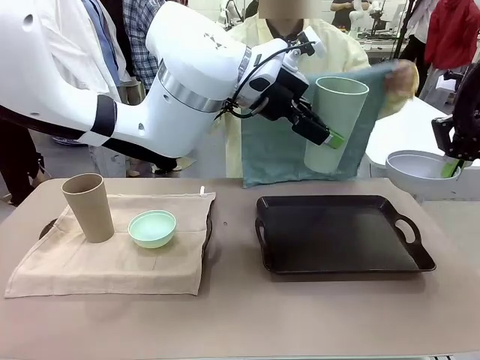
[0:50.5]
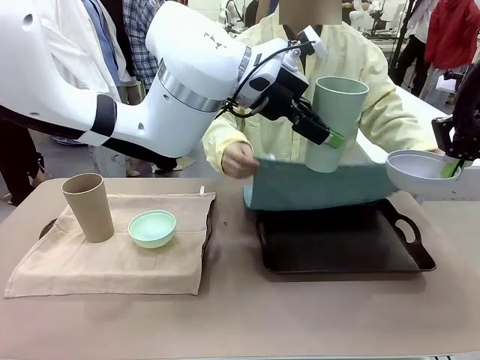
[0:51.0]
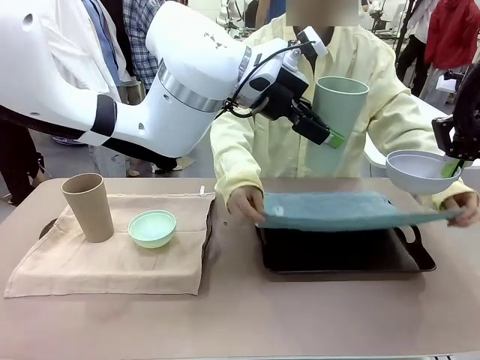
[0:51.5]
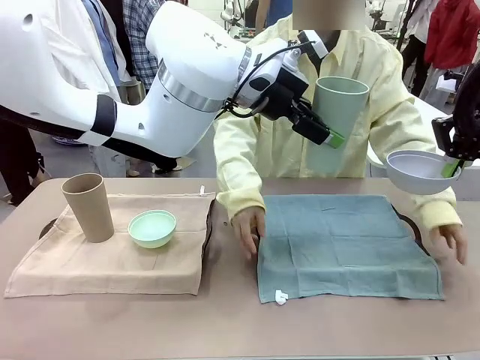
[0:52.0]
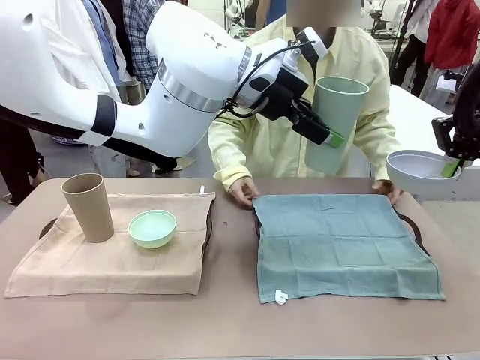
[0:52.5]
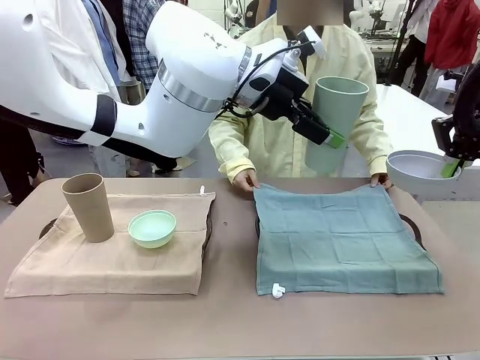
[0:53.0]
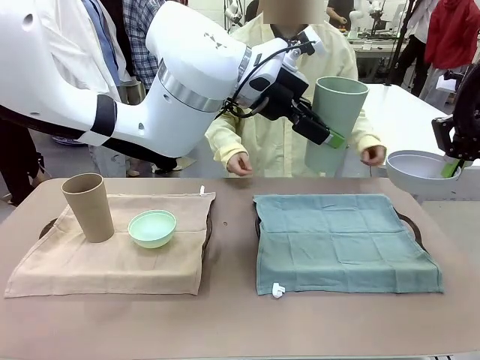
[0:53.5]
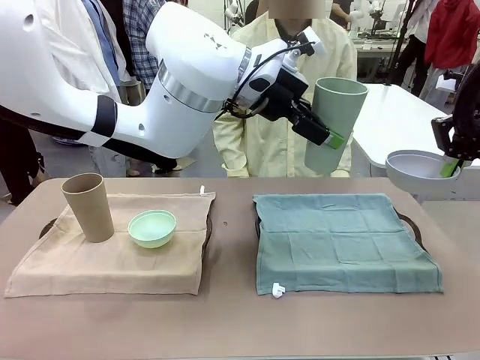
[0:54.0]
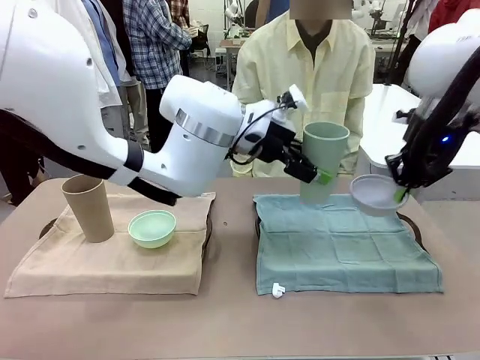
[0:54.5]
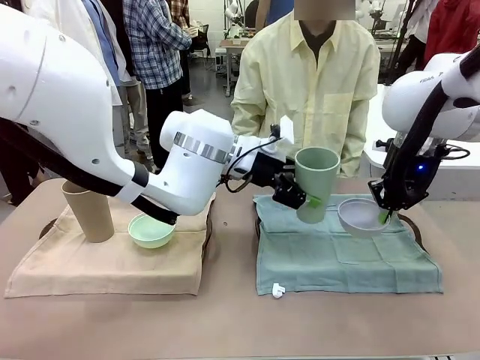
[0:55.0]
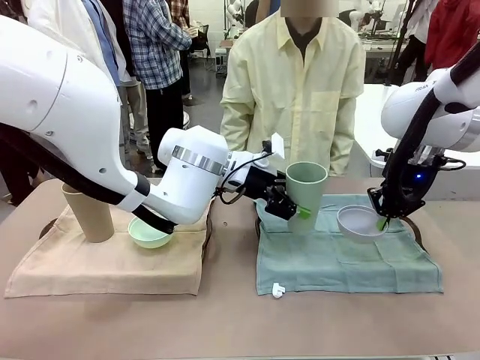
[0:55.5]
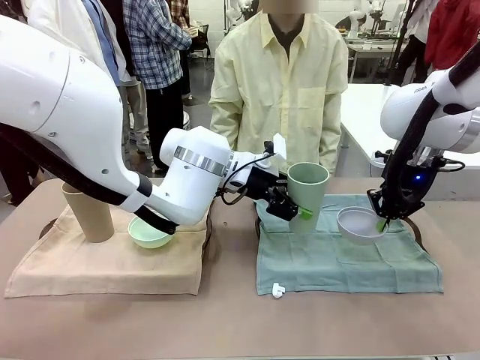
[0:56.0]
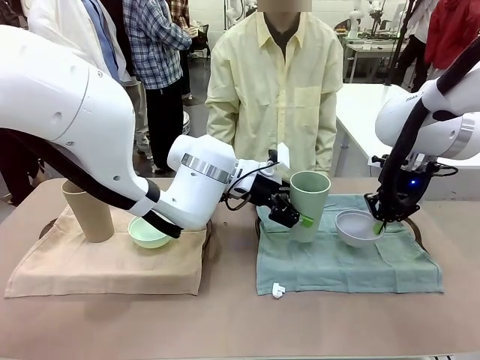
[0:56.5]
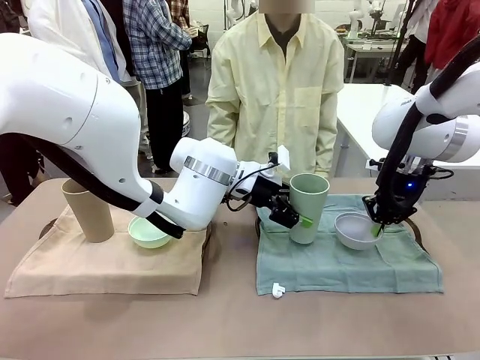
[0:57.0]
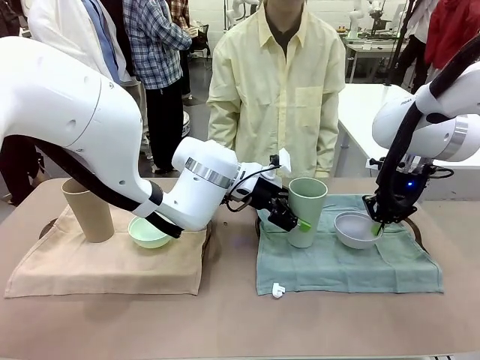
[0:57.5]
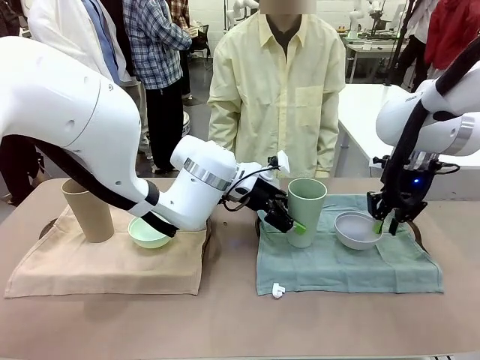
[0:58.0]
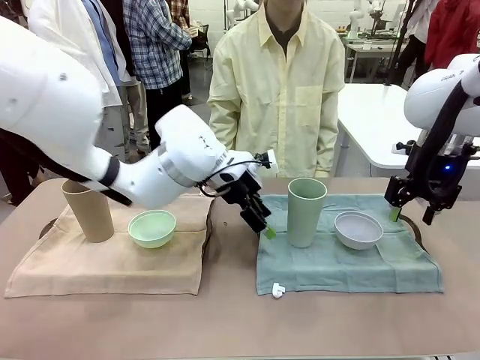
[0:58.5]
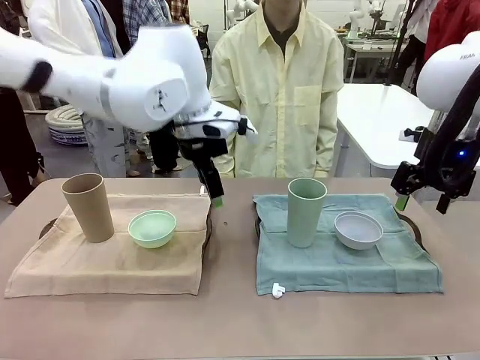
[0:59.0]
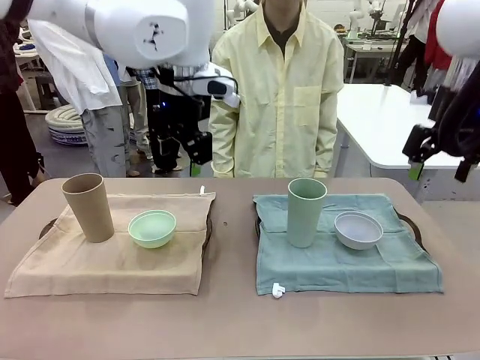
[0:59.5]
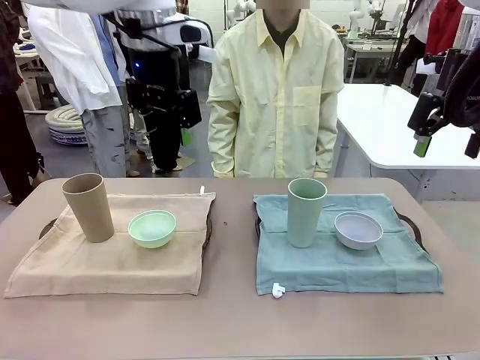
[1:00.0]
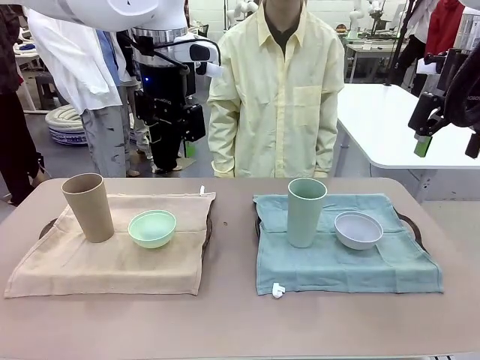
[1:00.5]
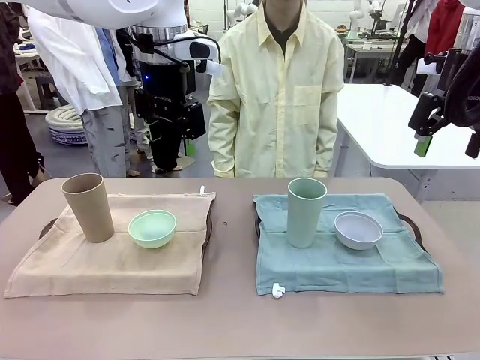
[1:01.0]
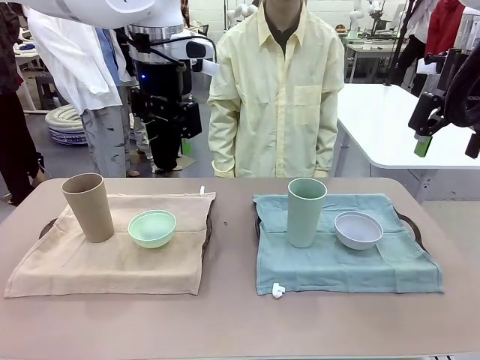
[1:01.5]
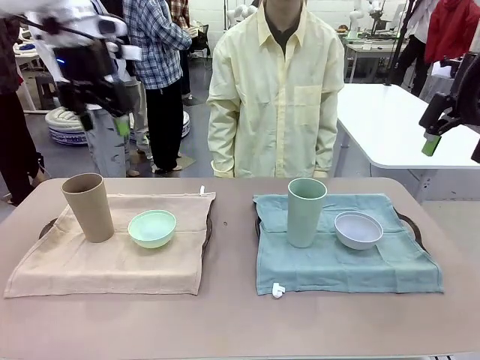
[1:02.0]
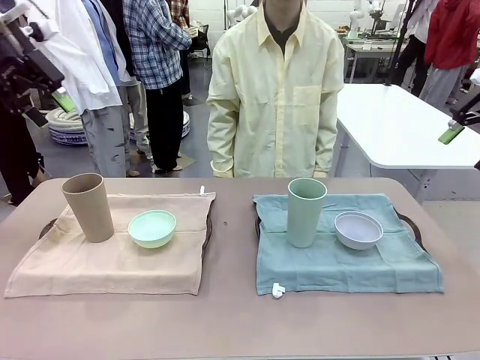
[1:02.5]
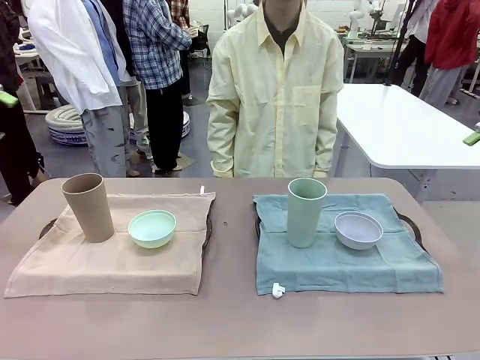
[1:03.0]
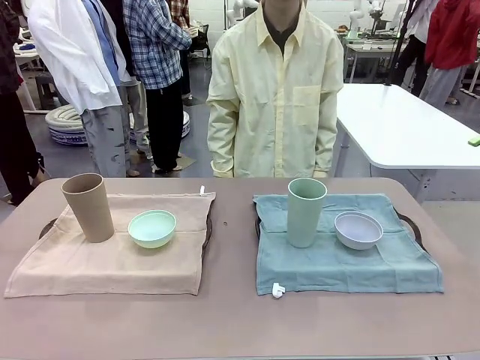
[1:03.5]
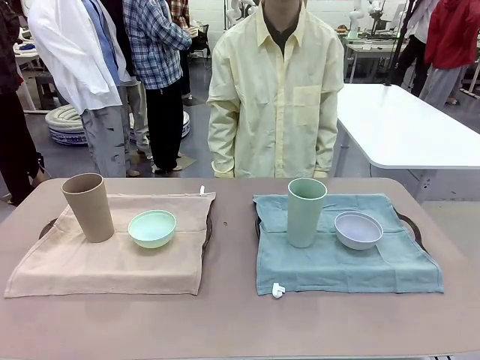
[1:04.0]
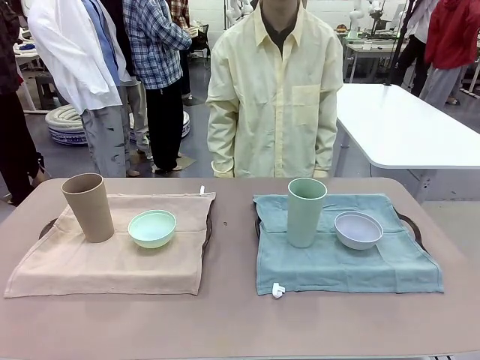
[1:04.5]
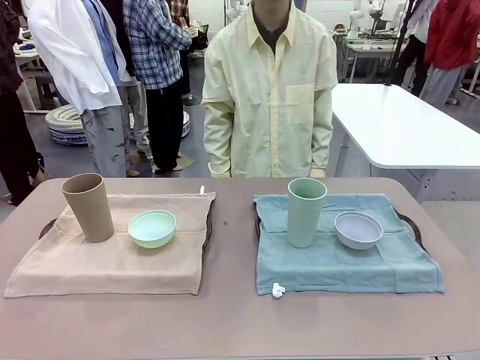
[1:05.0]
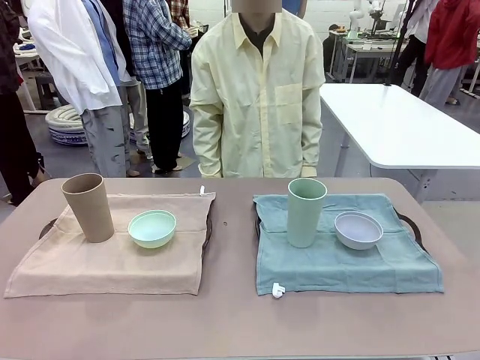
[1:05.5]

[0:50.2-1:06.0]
Robot: Place the Picnic Bowl and Reusable plastic cup back onto the Handle tray in front of the human's position.
Person: When the robot lifts the bowl and the cup, the human unfolds the napkin and lays the napkin flat on the tray.

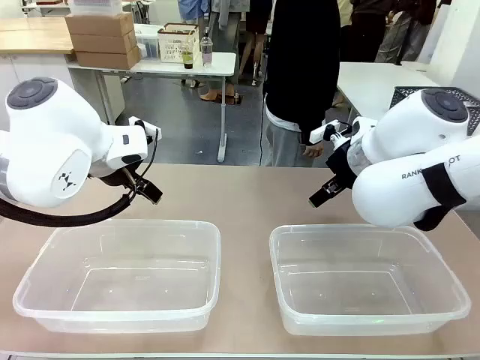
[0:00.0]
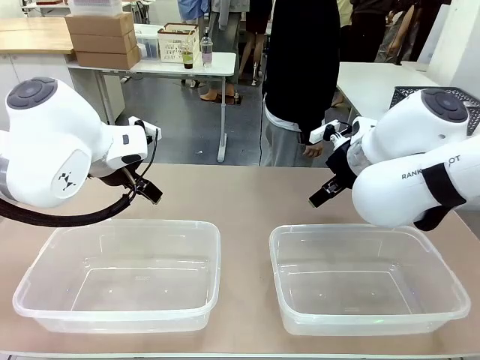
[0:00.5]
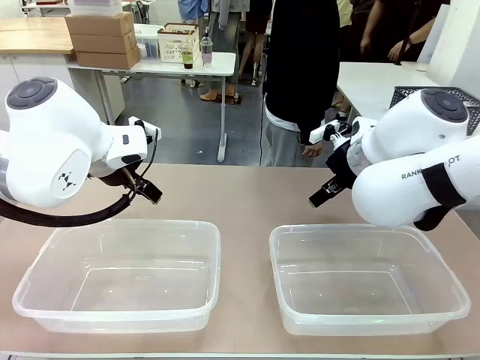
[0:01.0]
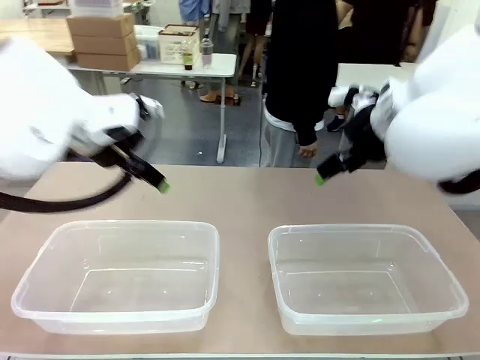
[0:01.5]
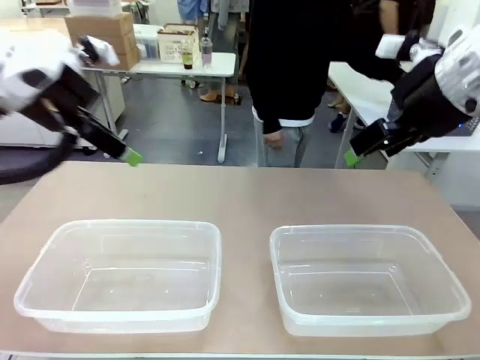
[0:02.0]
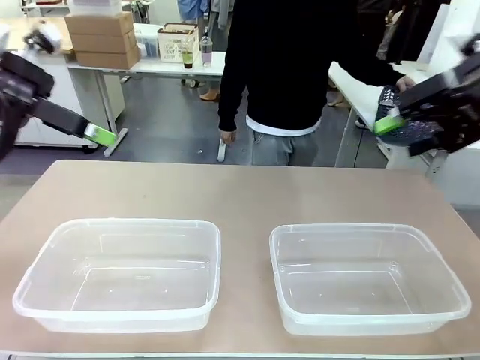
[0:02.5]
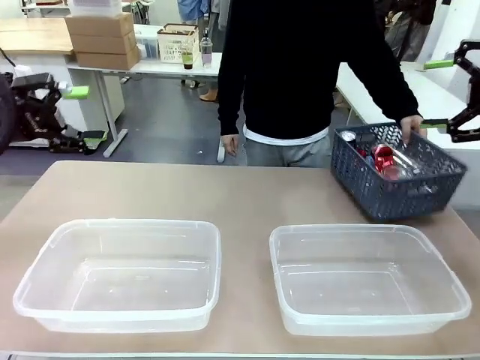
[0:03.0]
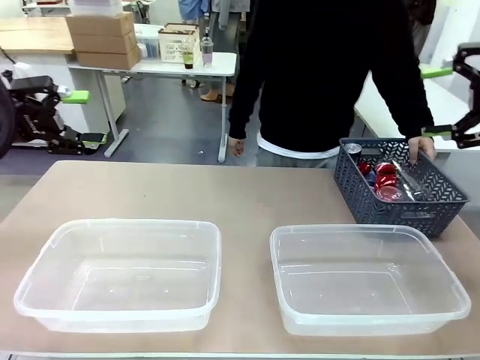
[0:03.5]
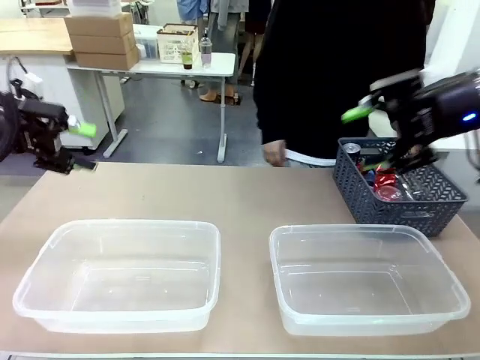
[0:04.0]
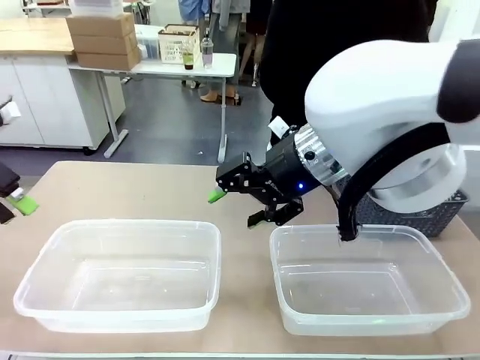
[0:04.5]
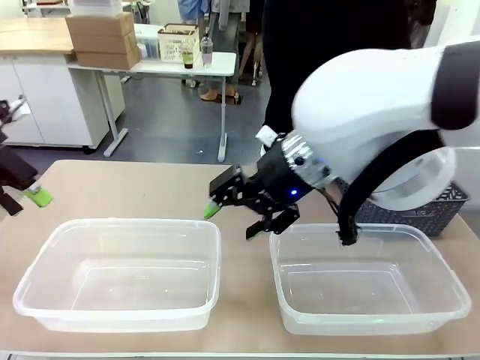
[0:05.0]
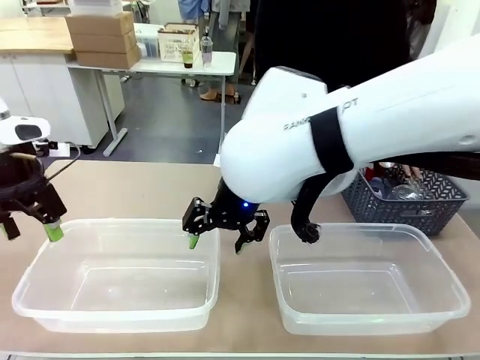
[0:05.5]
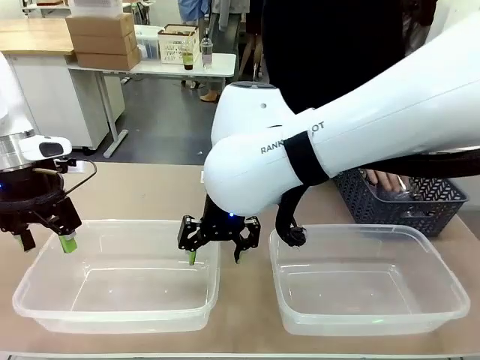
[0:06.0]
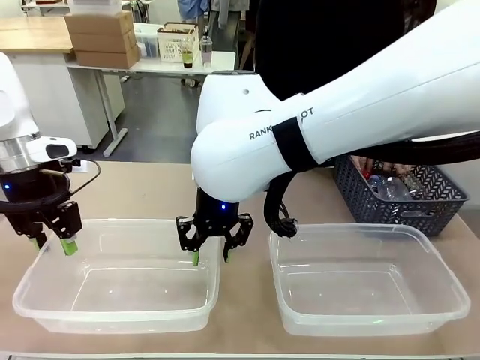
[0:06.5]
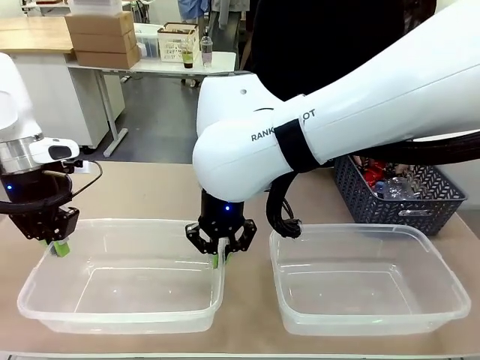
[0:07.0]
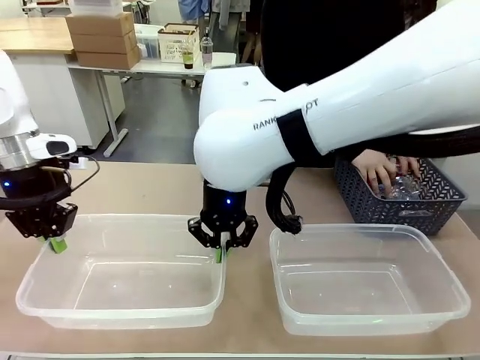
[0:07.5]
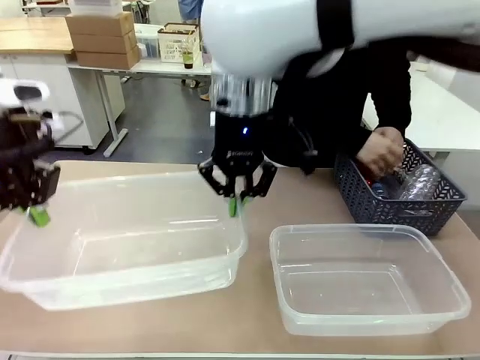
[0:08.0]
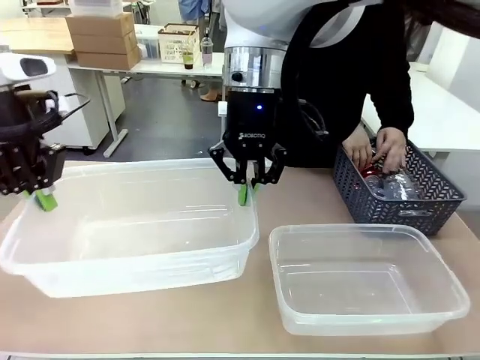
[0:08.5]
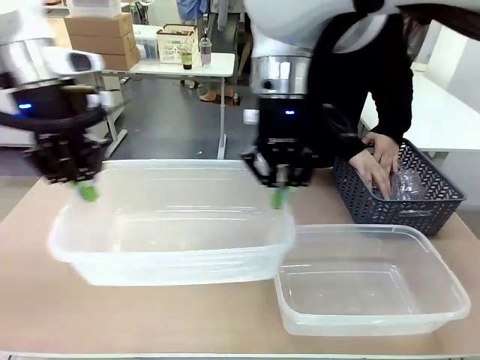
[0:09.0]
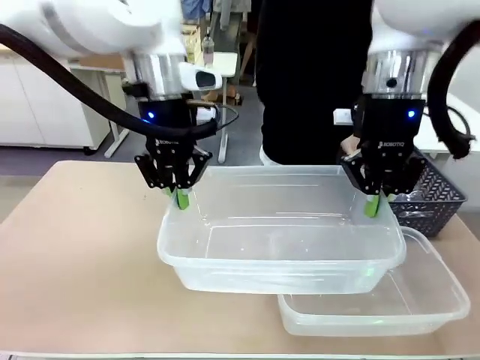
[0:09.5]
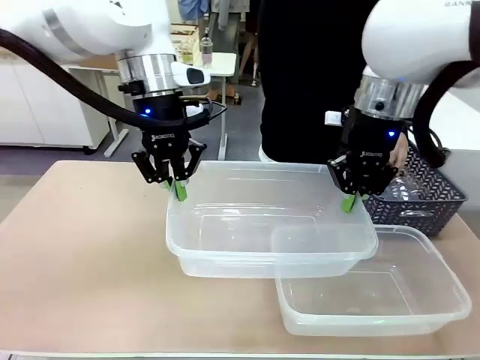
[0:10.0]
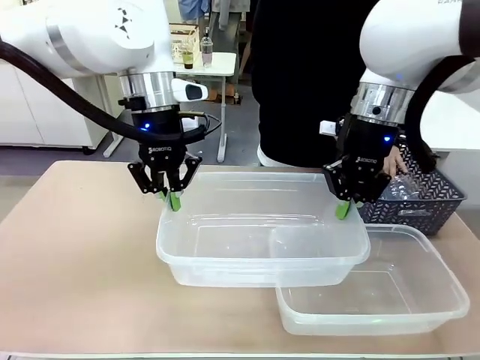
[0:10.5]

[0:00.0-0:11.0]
Robot: Pick up the Organizing box on the left side of the table and lift it.
Person: Pick up the storage basket and place it on the left side of the robot table. Pick up can-shaped waste one by one and place it into the organizing box lifted by the robot.
